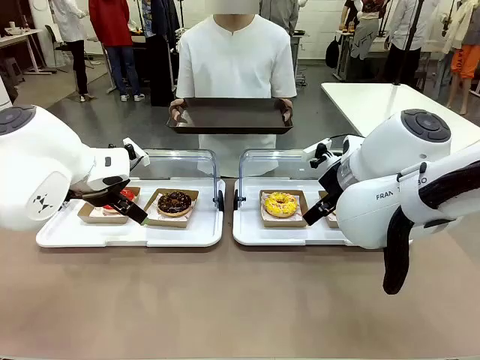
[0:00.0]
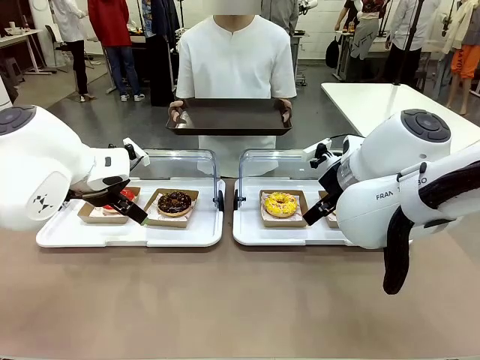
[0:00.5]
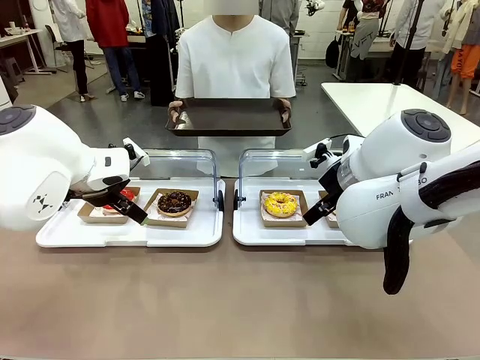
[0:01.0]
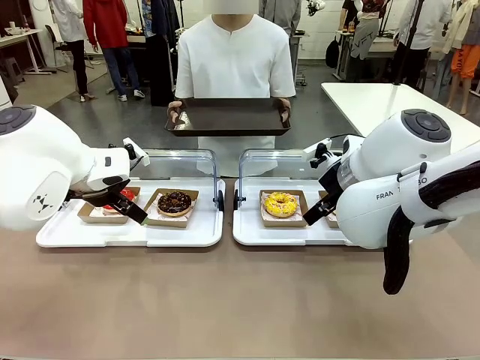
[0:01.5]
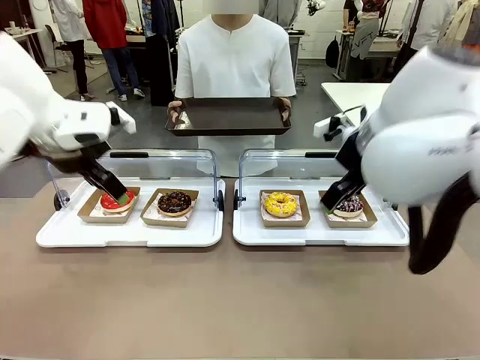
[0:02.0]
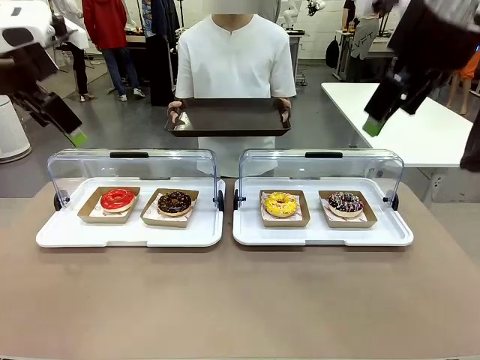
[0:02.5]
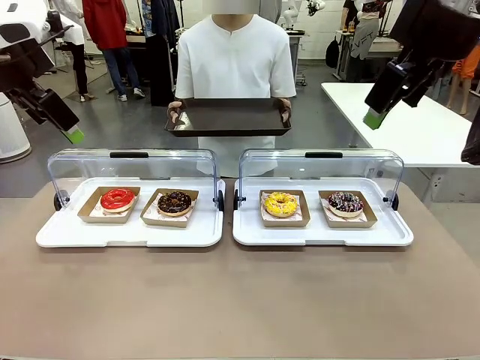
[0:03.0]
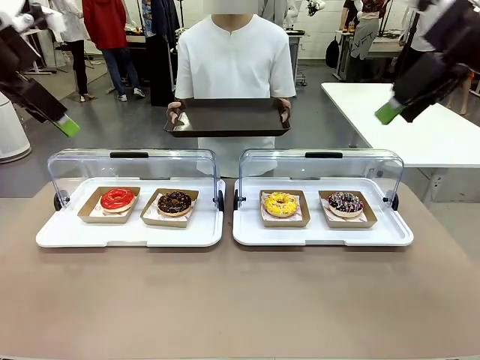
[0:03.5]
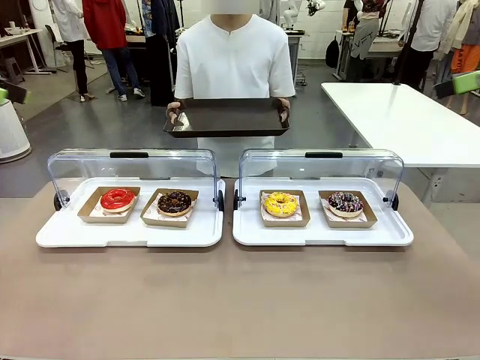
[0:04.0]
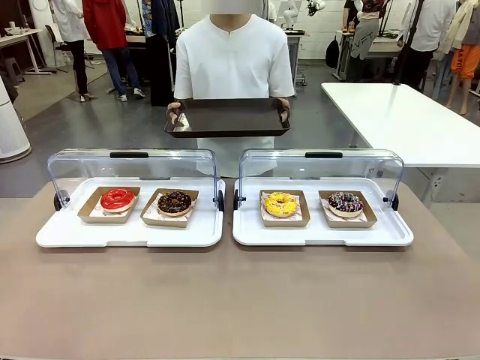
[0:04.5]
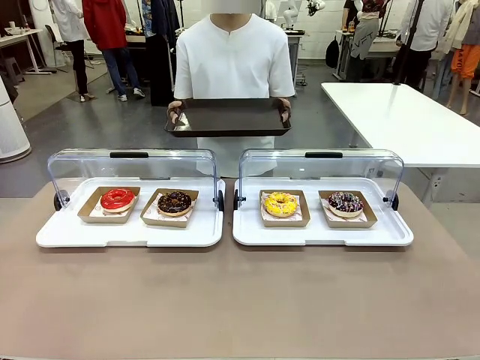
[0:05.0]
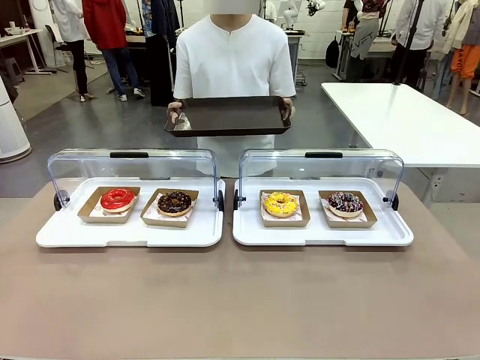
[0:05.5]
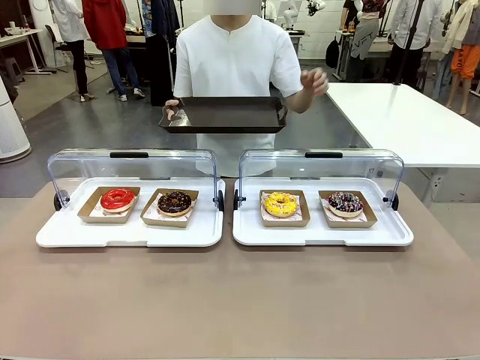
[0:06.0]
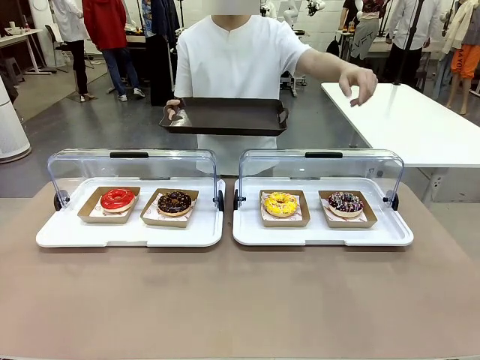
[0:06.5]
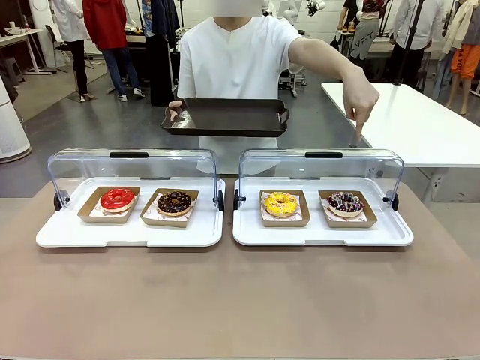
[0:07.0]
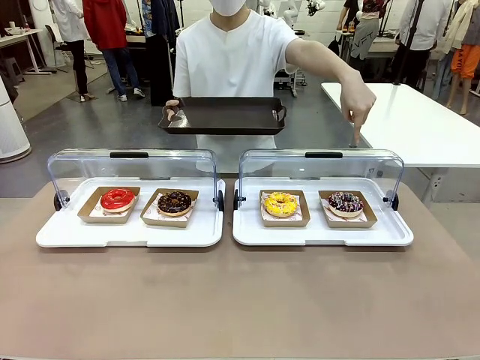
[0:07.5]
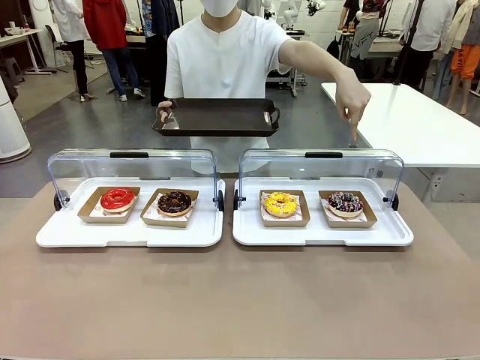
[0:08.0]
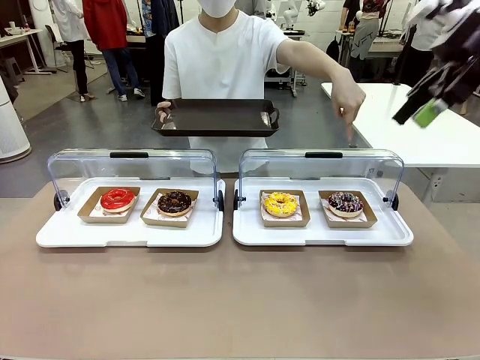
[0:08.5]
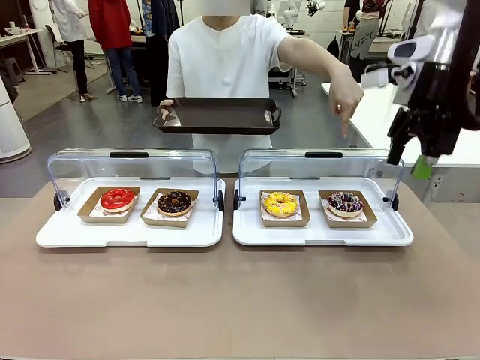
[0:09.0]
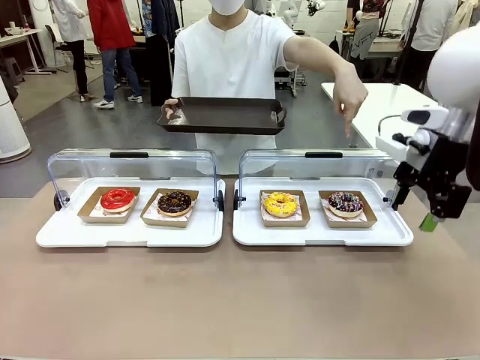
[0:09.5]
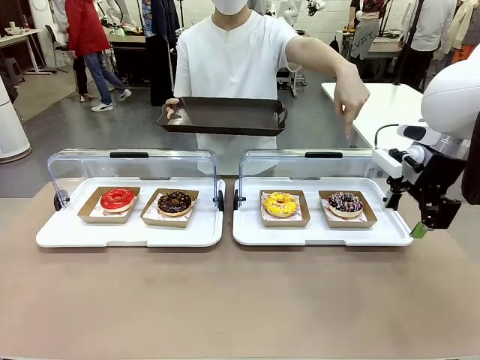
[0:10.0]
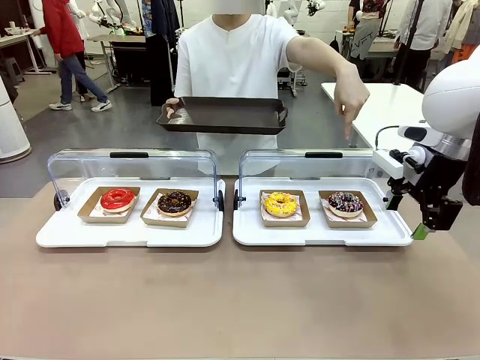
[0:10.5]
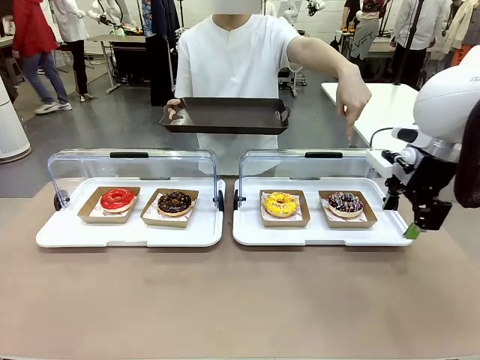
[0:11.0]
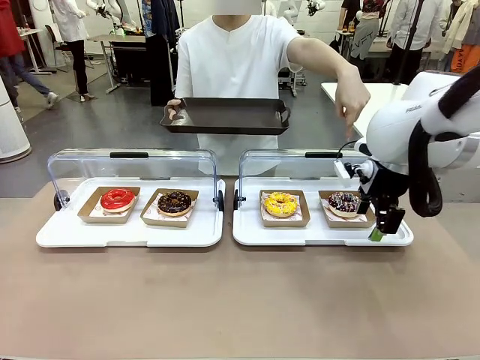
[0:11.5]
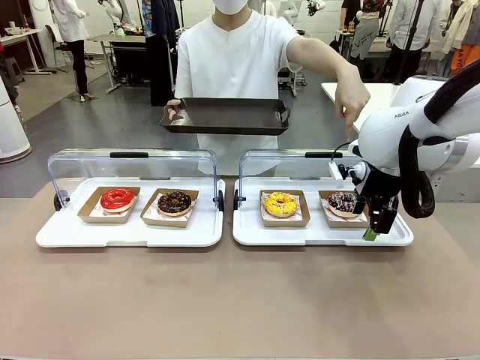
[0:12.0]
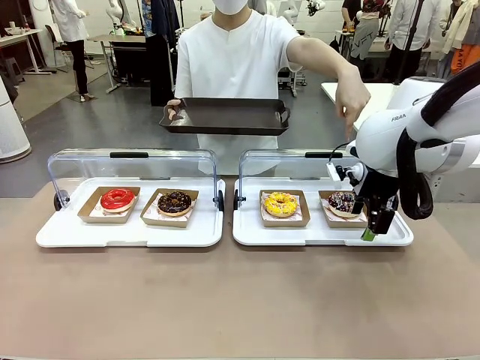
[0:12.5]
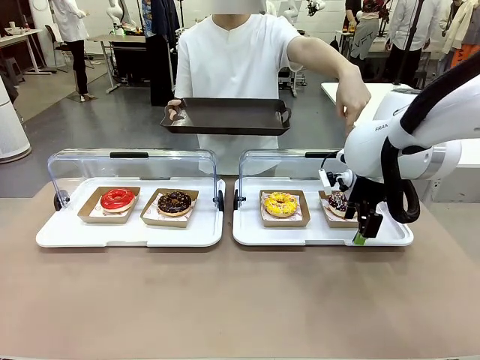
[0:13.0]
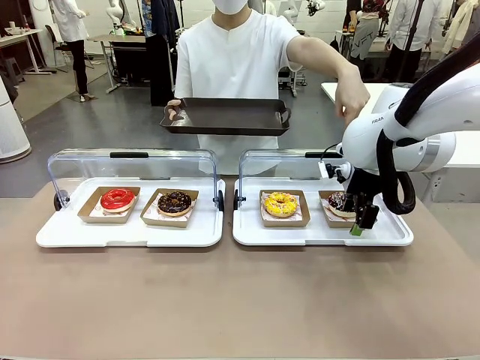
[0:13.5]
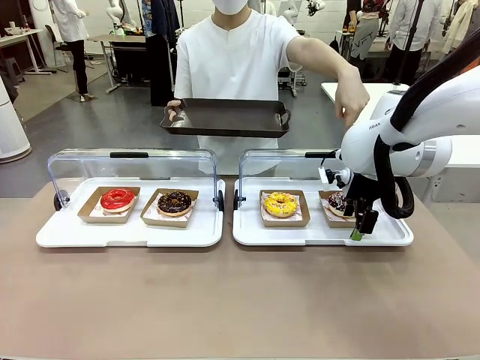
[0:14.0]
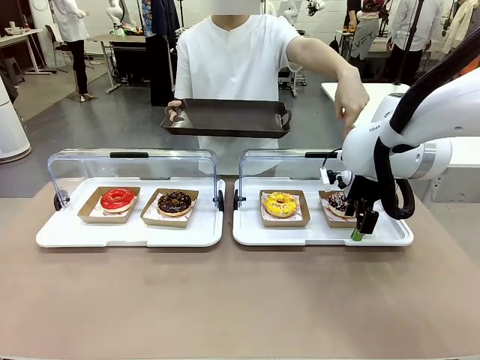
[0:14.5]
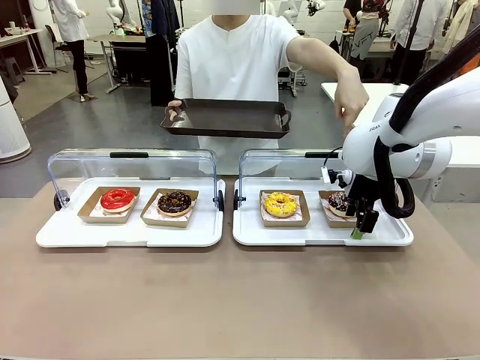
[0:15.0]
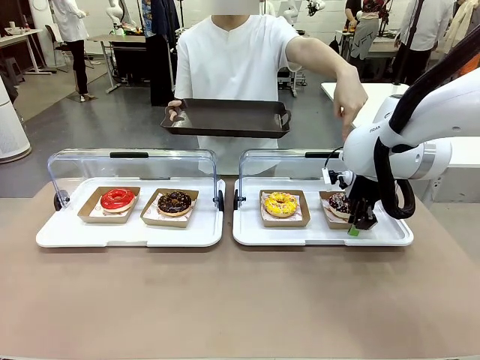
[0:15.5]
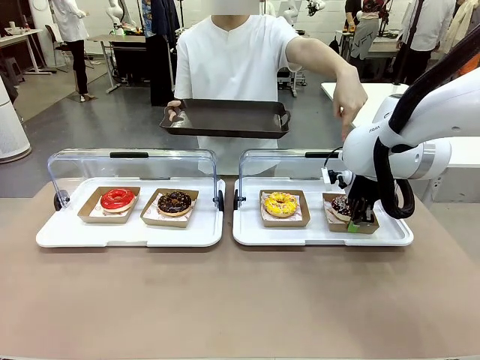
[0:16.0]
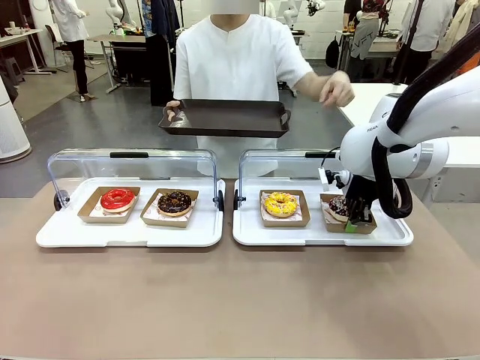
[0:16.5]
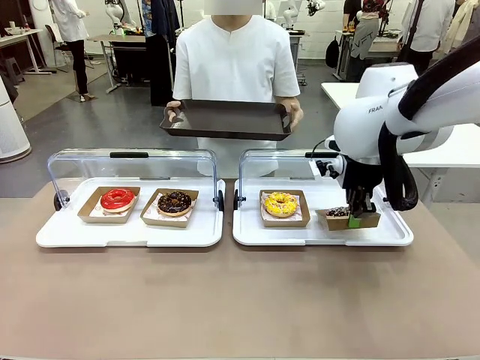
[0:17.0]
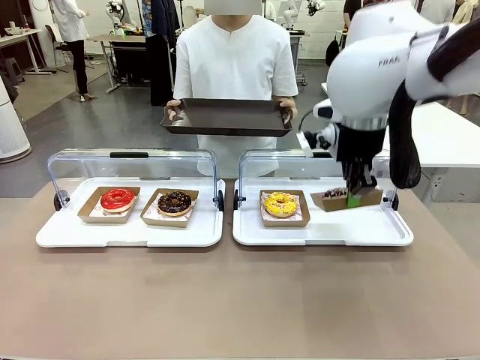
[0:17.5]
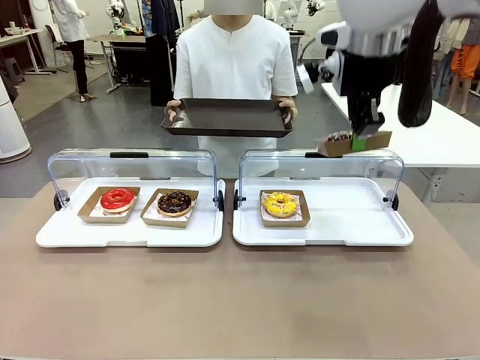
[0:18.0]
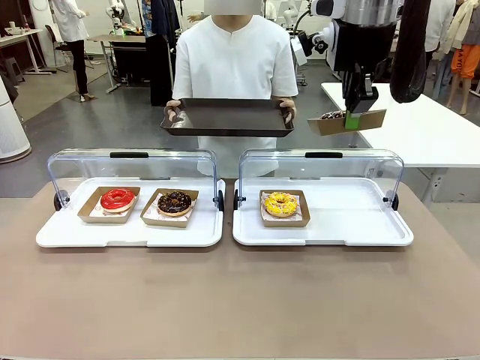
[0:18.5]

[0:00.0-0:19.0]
Task: Provide the desired donut to the person.
Robot: Pick up and lift the Paper togo box containing the Donut pointed at by the person.
Person: Point to one donut. Lift the tray onto the Roll-Top Bakery Case.

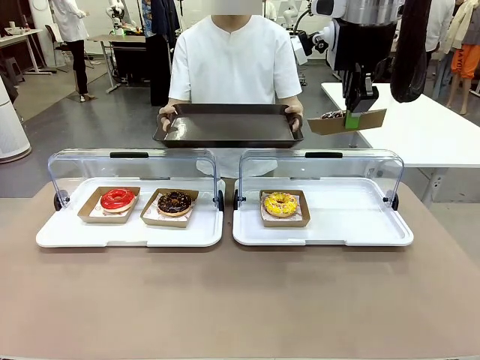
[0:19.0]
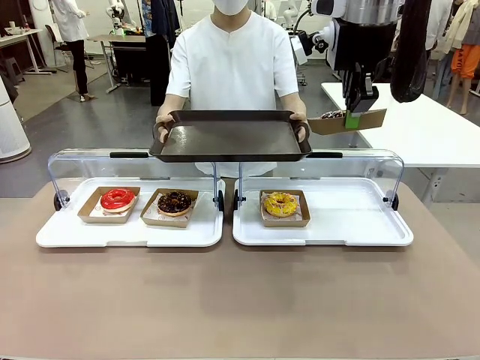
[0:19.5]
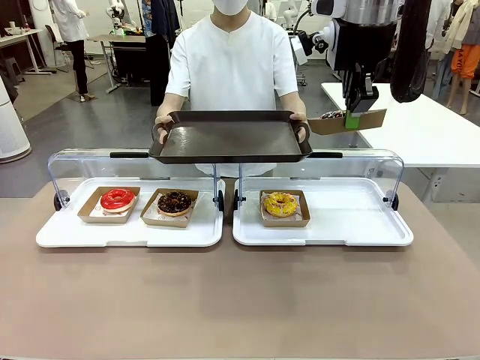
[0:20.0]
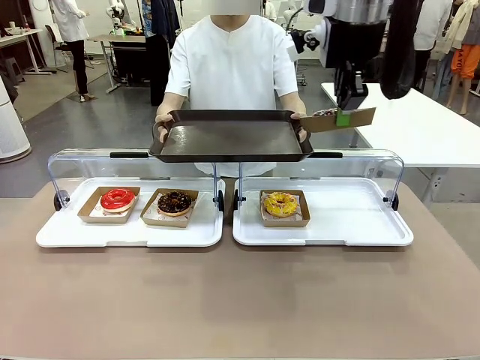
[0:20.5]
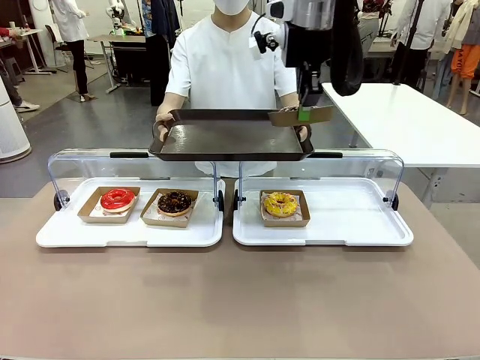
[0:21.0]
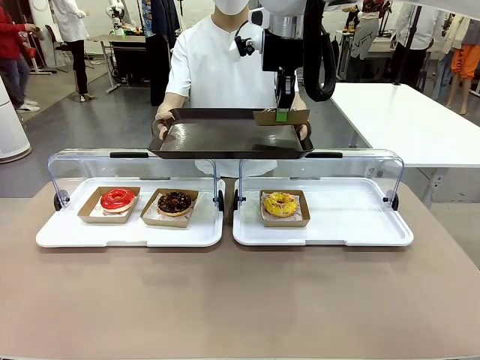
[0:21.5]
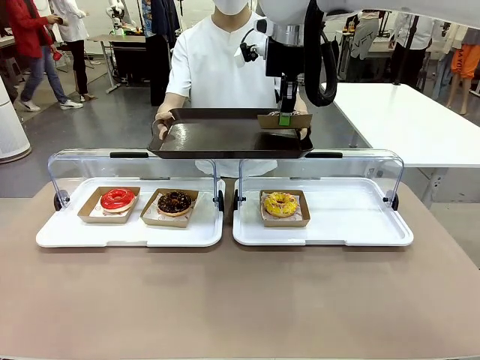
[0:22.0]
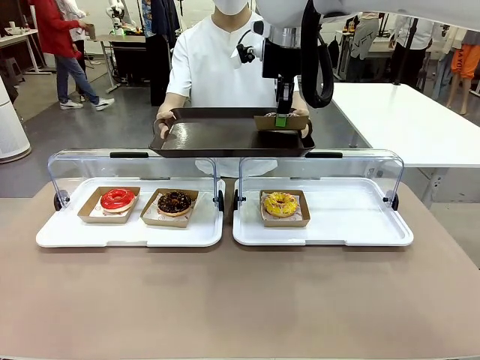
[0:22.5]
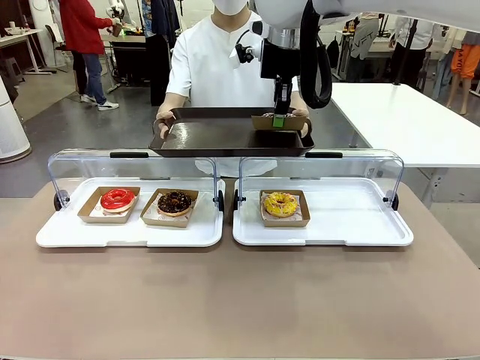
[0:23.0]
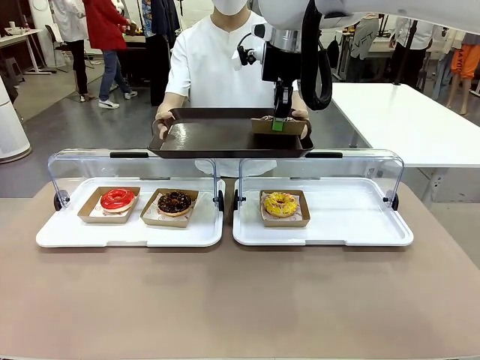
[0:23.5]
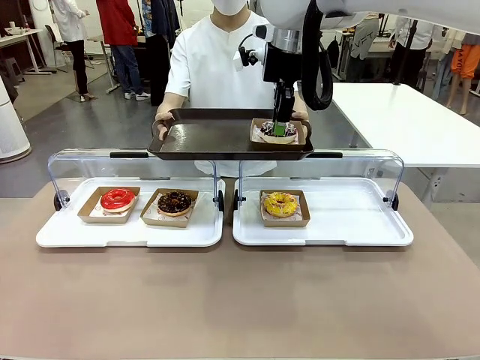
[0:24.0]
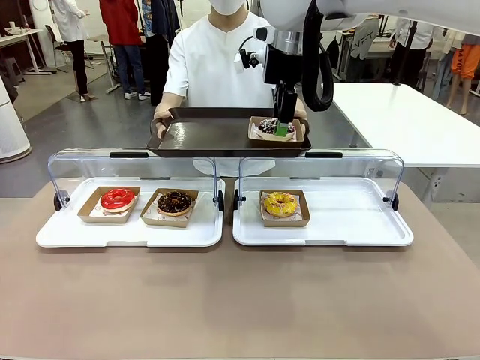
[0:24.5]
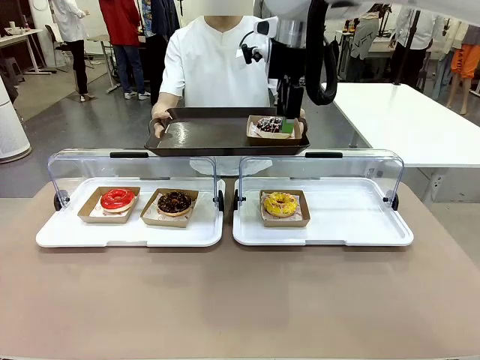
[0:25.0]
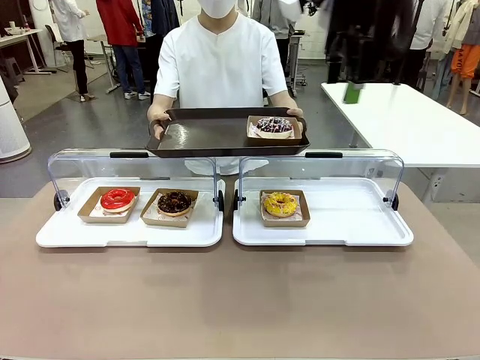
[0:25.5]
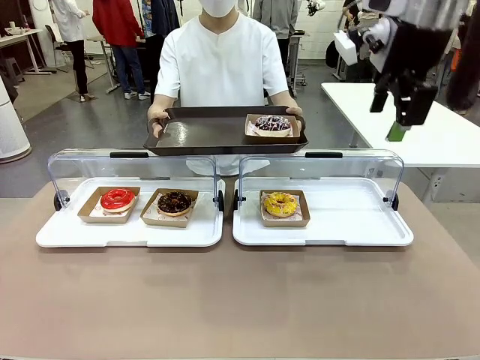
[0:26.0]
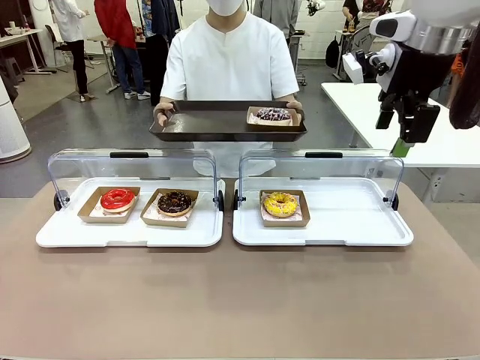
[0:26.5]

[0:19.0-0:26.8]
Robot: Place the picked Paper togo box onto the Handle tray extended by the person.
